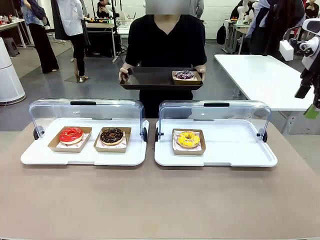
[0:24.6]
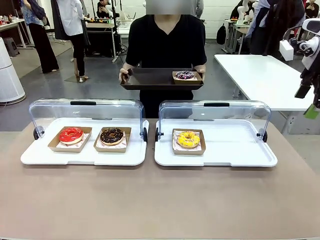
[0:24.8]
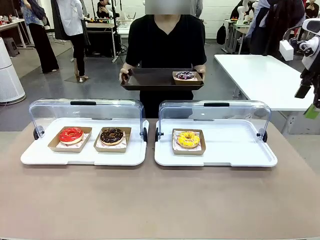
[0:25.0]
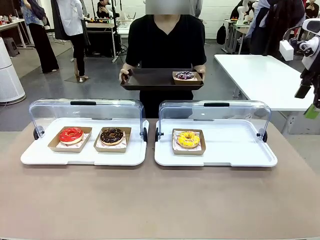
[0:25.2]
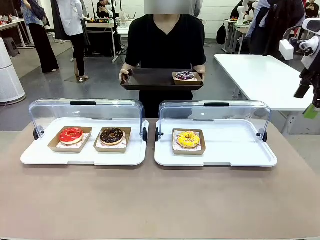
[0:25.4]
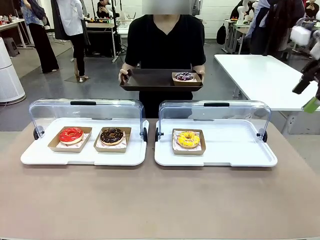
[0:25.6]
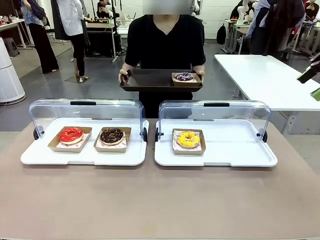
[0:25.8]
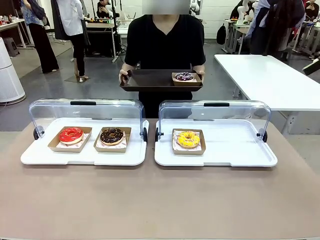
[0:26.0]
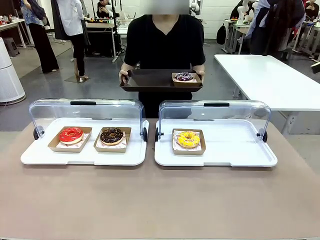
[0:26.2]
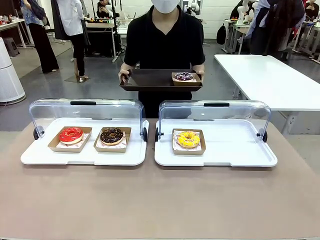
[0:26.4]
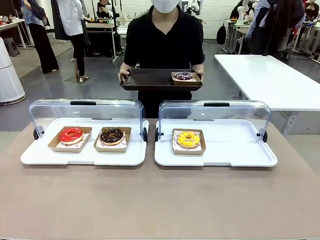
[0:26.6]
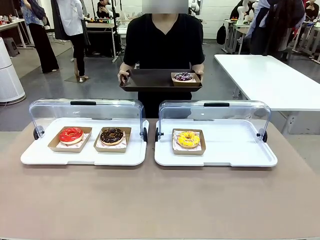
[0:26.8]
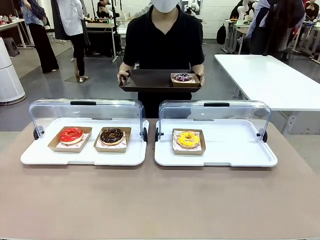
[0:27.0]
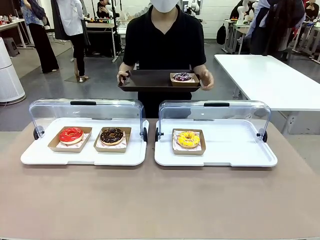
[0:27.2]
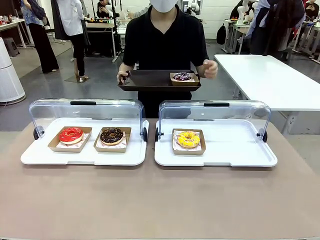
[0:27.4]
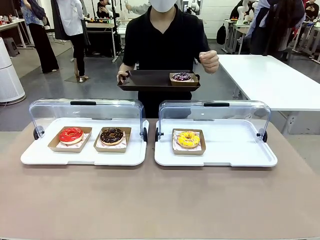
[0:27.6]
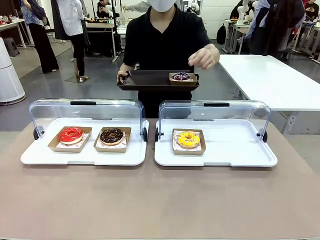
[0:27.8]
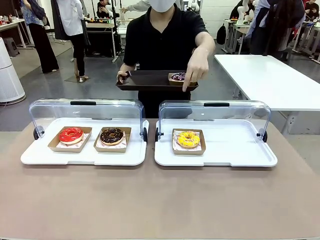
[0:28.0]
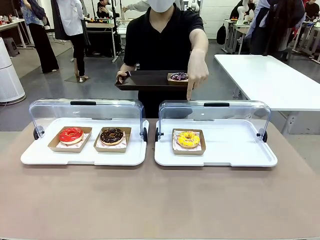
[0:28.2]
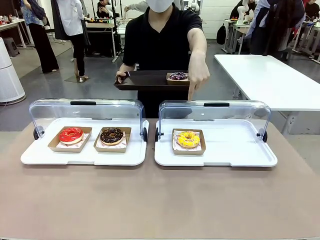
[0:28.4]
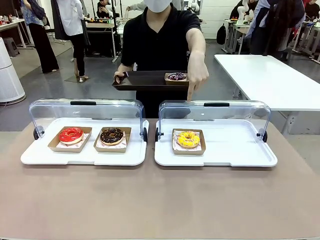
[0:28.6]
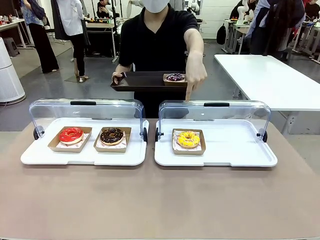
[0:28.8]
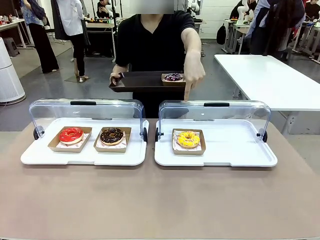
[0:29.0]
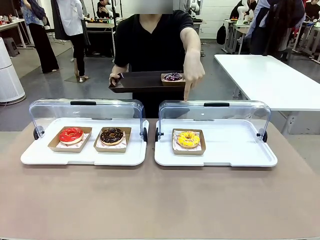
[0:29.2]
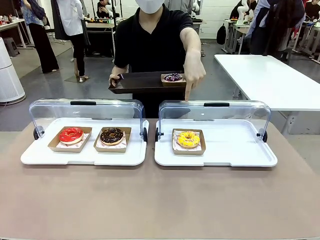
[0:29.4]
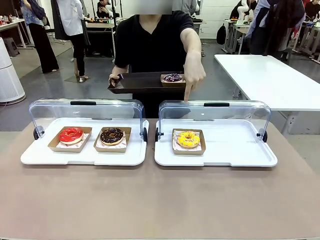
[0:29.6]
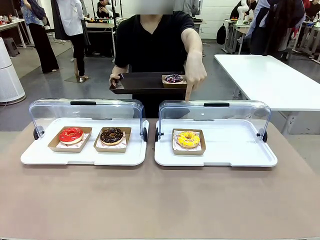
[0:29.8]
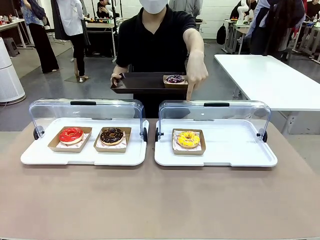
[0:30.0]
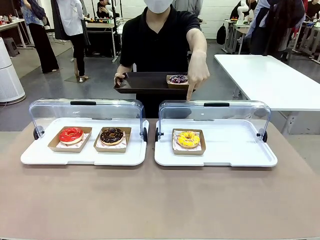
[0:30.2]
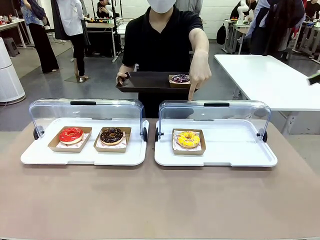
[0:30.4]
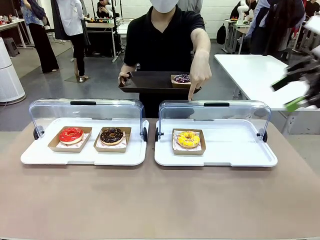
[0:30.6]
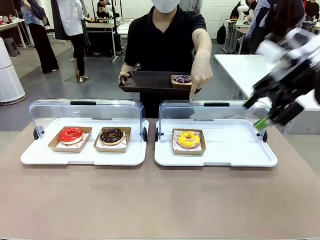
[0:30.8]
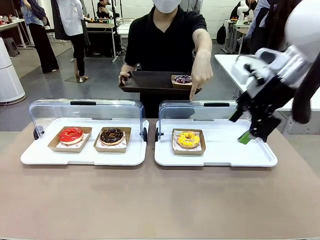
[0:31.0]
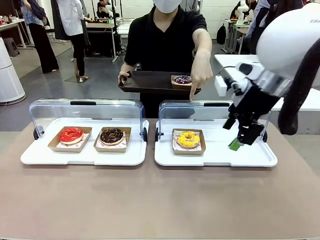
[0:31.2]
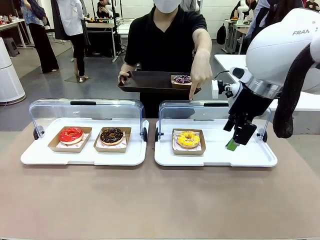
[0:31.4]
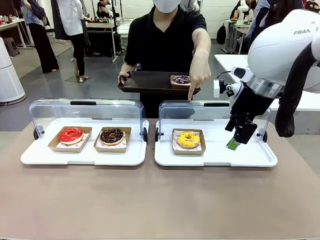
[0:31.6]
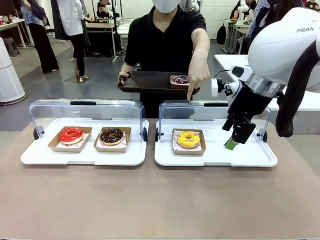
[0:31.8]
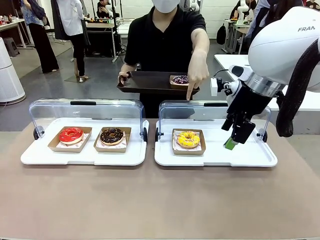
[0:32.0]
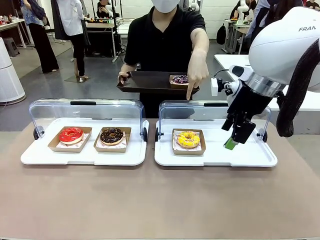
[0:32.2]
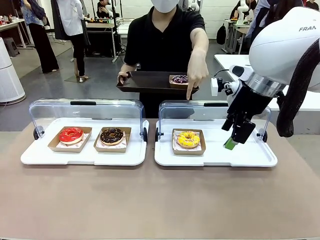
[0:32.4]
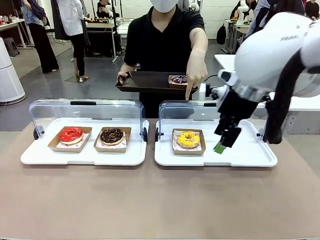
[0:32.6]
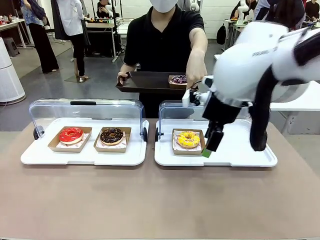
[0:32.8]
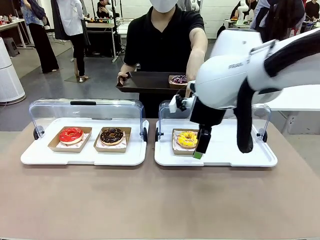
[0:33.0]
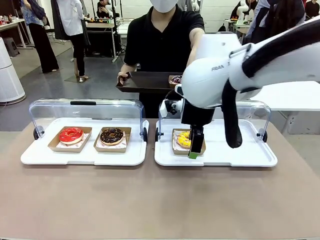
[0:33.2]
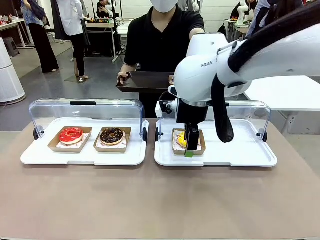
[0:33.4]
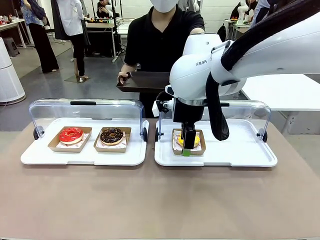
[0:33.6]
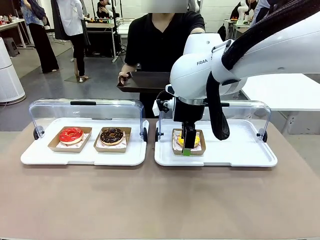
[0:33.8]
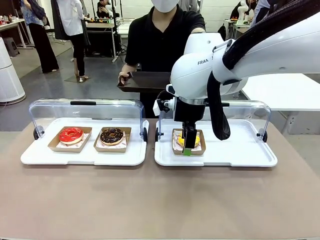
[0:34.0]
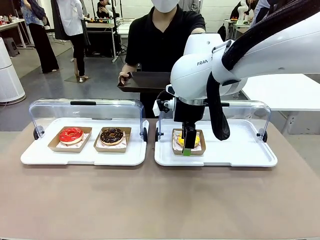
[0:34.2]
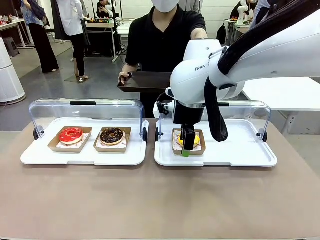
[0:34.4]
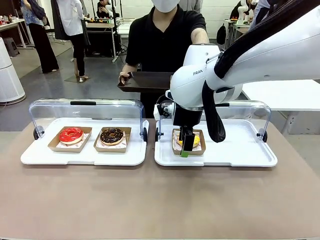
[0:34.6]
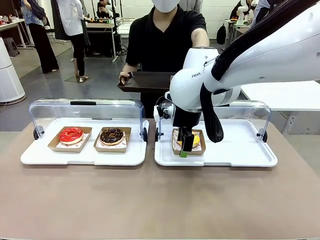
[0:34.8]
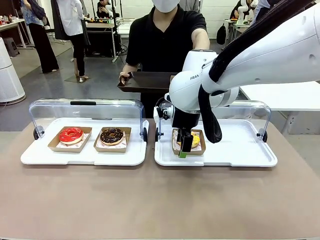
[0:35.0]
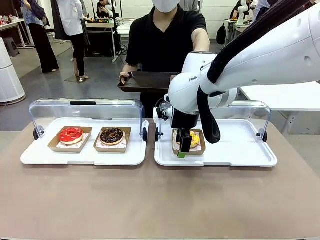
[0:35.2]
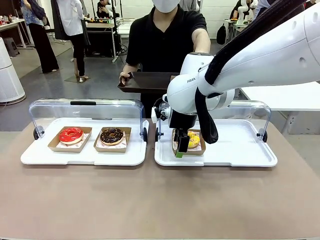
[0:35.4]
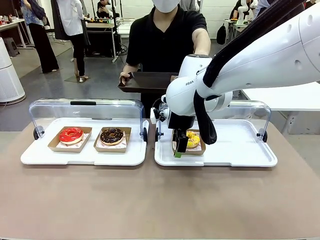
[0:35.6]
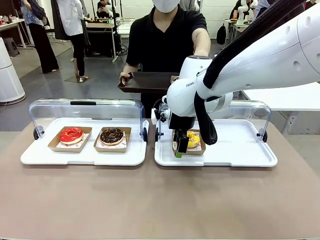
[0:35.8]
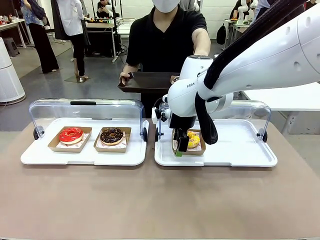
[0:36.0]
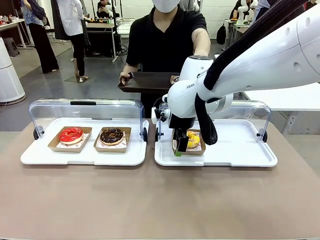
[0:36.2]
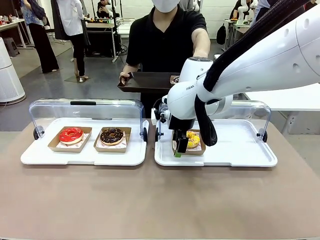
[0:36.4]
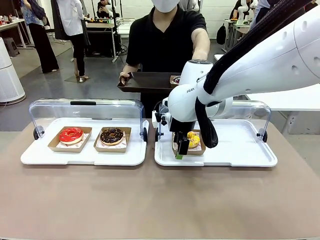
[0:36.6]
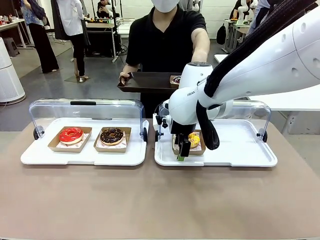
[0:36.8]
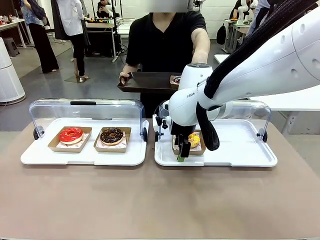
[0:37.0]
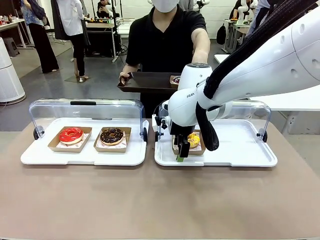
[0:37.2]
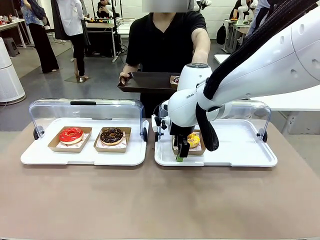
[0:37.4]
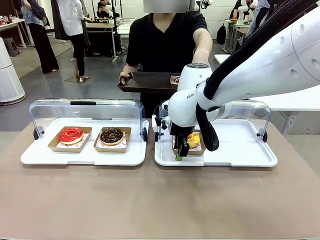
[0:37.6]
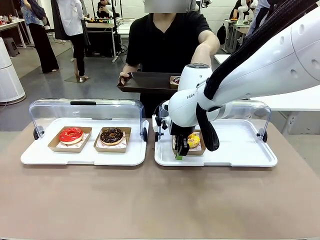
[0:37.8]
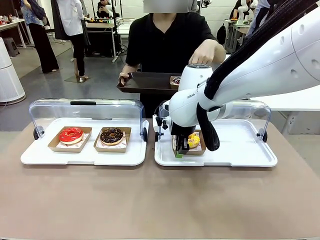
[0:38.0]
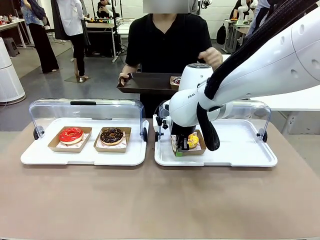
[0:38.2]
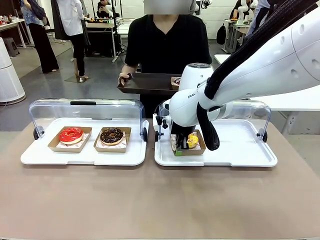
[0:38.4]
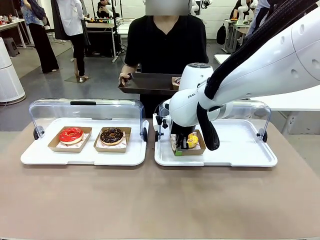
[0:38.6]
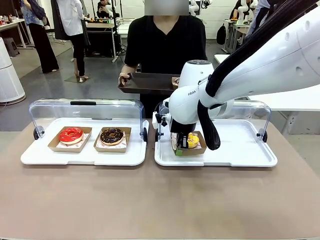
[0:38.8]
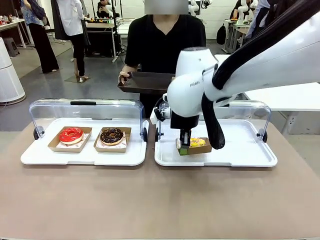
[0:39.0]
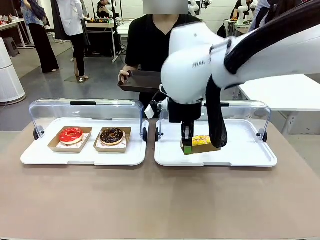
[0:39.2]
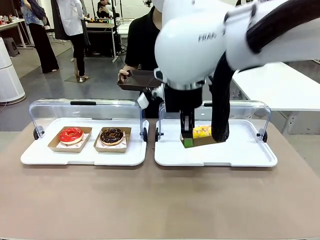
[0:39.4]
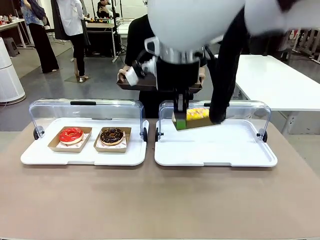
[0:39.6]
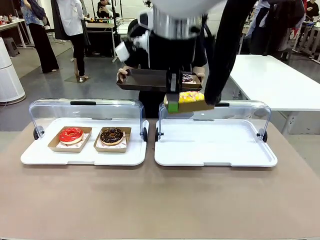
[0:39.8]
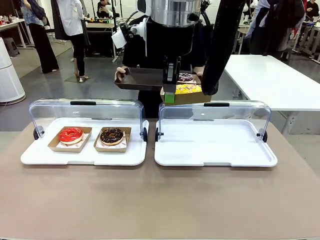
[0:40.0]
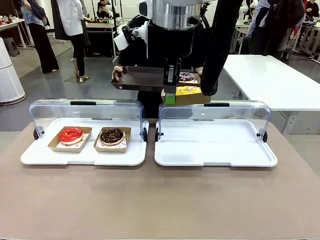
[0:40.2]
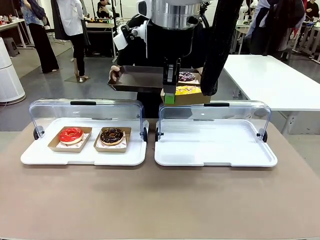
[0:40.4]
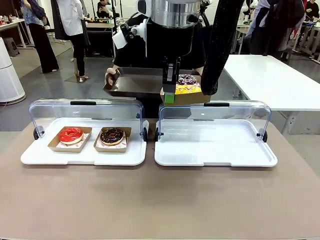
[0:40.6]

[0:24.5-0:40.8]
Task: Provide the desired donut to the person.
Robot: Pick up and lift the Paper togo box containing the Donut pointed at by the person.
Person: Point to one donut. Lift the tray onto the Roll-Top Bakery Case.
